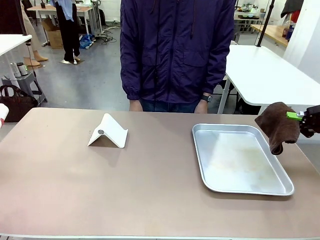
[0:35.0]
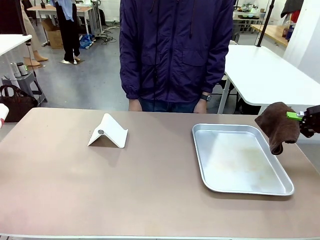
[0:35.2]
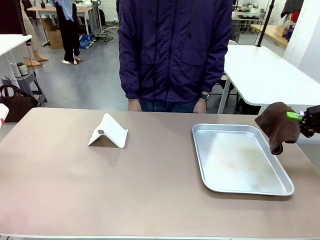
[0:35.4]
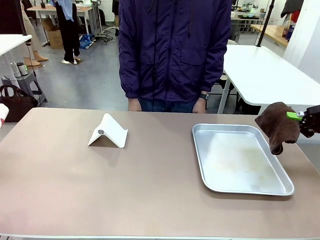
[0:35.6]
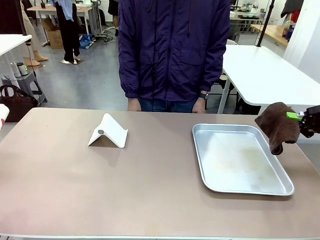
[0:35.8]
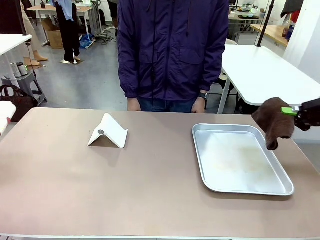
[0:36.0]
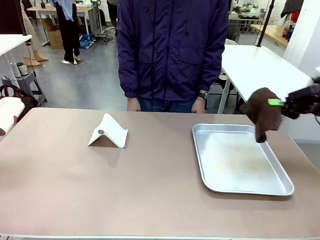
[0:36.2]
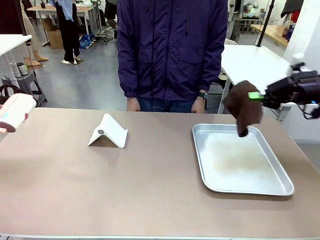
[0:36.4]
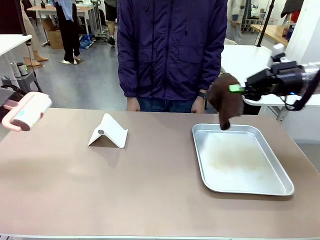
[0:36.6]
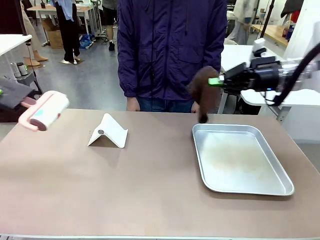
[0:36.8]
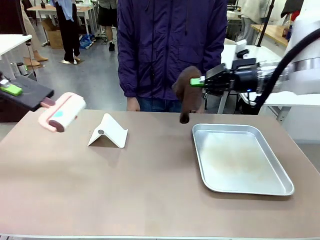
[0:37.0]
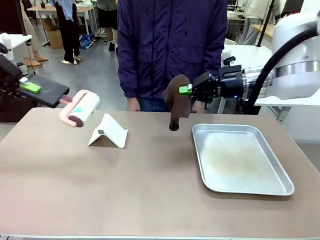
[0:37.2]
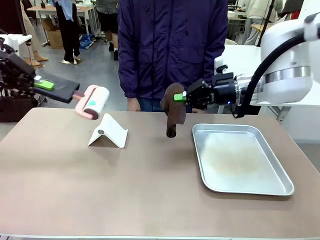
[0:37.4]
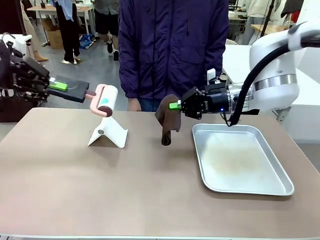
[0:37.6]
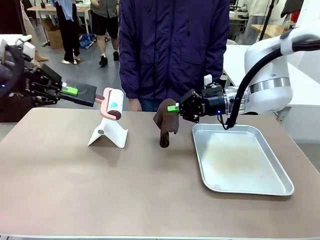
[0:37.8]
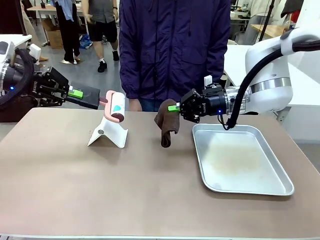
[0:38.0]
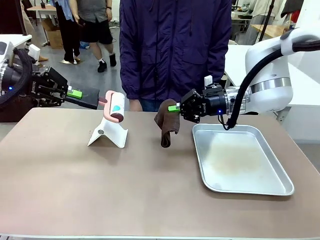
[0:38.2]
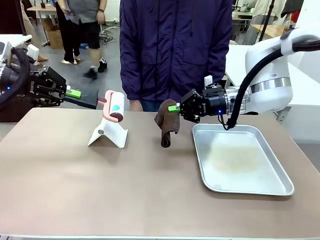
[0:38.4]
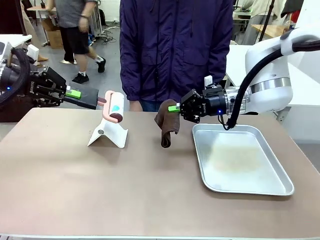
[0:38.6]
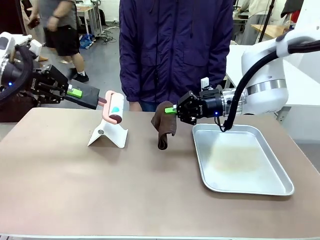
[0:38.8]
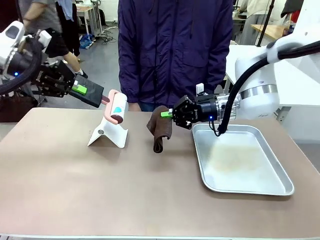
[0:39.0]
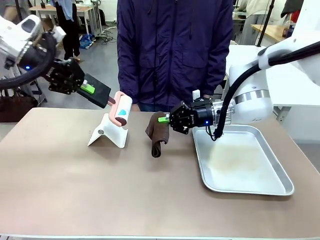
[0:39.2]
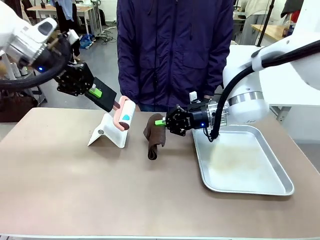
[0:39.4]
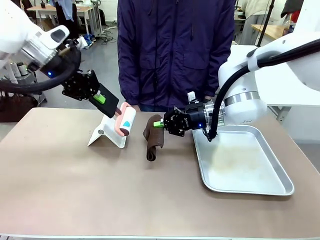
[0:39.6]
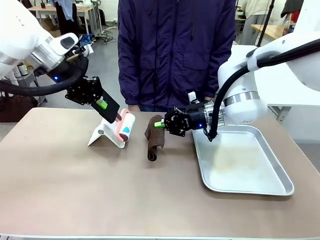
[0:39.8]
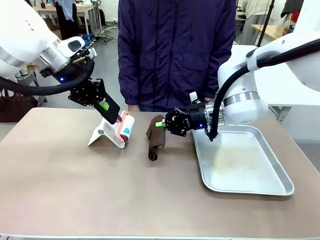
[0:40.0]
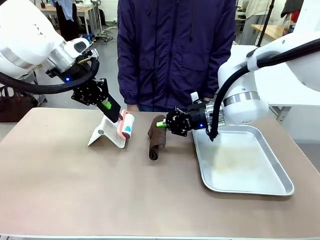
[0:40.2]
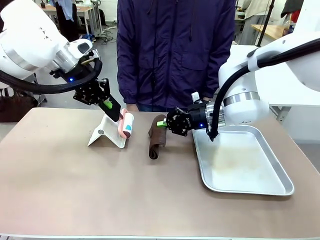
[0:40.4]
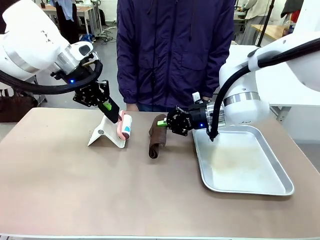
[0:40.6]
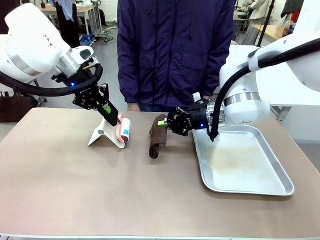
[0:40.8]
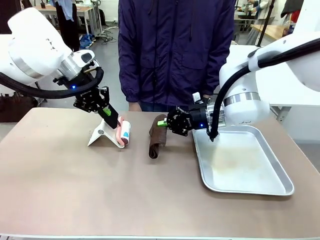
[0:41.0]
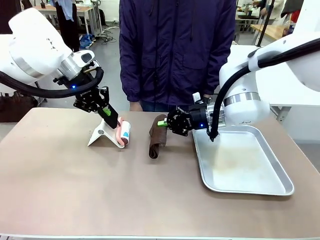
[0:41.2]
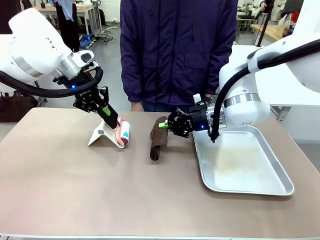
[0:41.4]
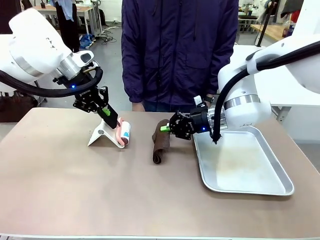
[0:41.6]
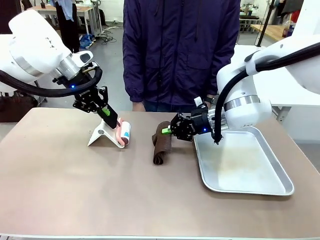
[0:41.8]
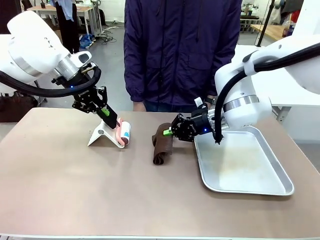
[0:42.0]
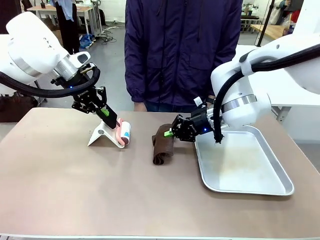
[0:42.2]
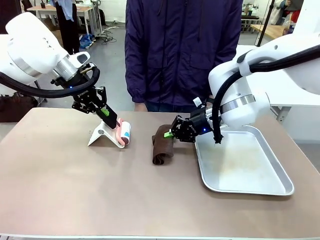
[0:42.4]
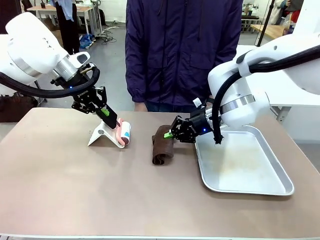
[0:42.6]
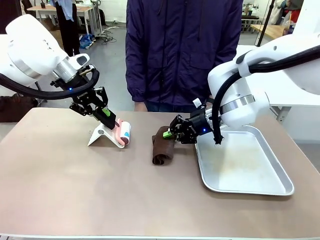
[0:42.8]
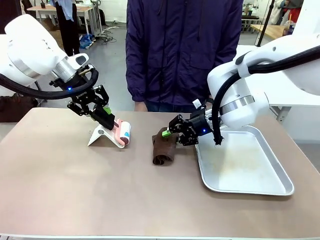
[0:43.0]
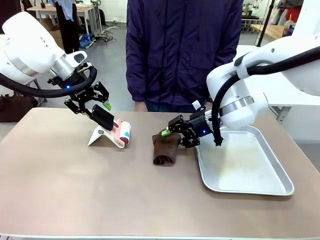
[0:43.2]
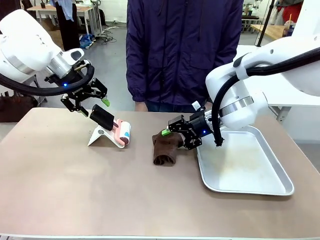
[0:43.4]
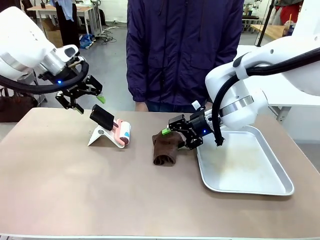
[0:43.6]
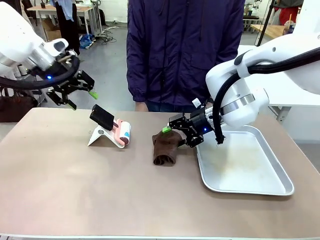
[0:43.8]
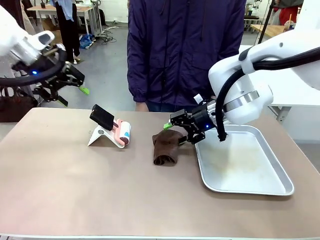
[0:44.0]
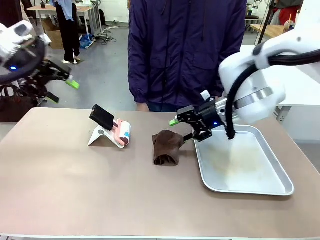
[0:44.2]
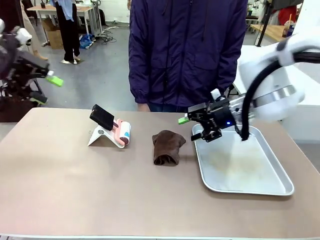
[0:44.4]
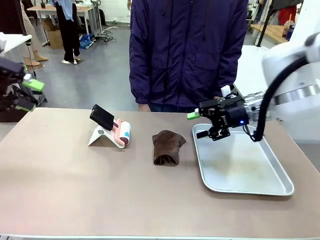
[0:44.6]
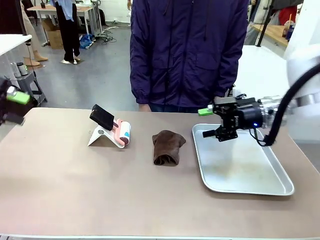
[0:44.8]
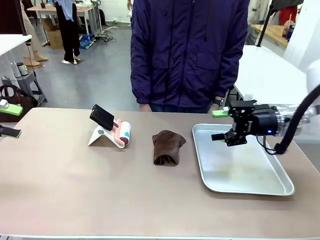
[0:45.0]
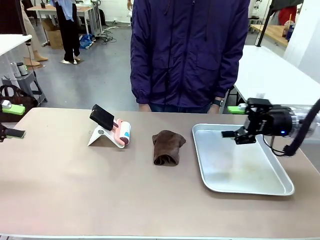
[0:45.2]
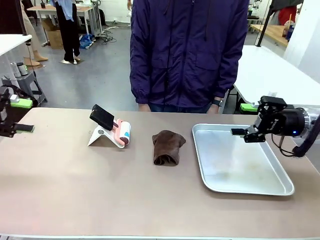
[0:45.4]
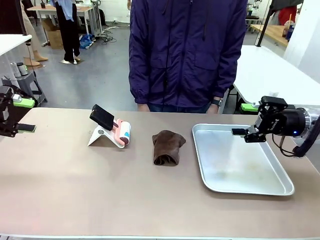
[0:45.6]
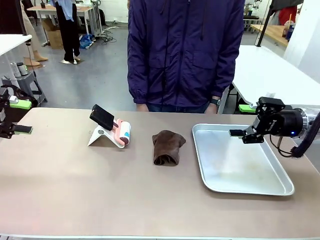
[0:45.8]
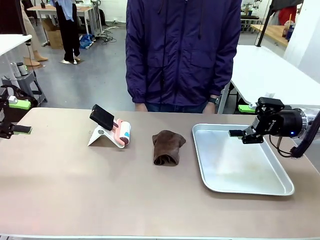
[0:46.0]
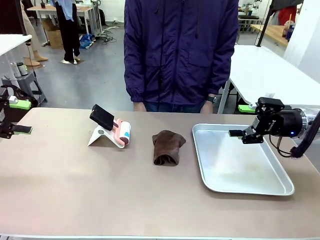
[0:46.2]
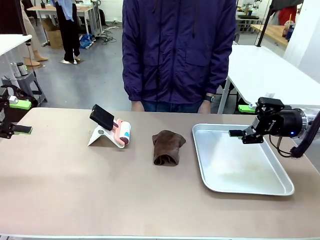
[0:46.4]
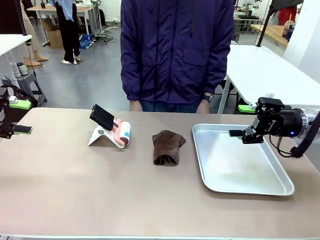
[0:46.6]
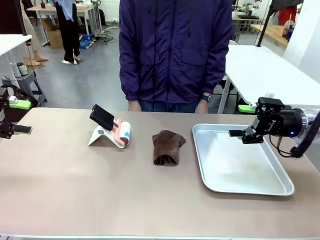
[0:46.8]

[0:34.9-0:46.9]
Task: Clean the surface of the table.
Robot: Return the Lint Roller and towel to their original positions.

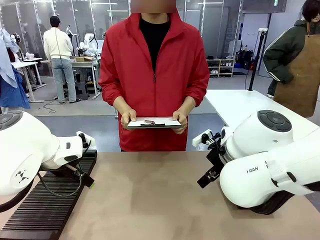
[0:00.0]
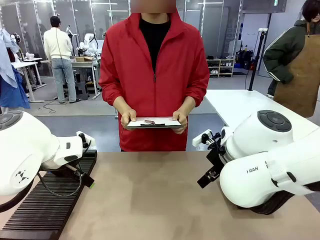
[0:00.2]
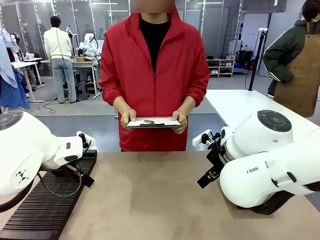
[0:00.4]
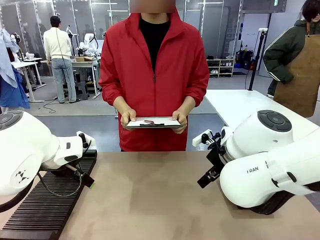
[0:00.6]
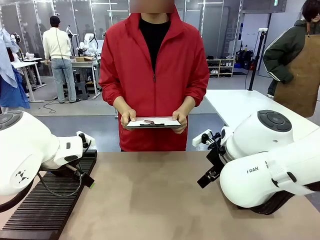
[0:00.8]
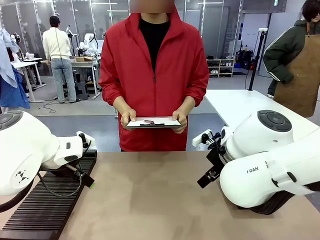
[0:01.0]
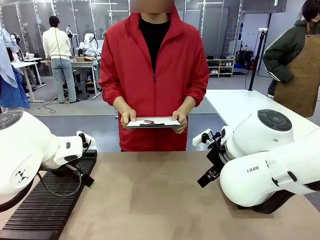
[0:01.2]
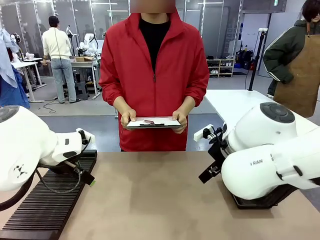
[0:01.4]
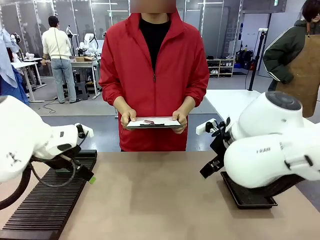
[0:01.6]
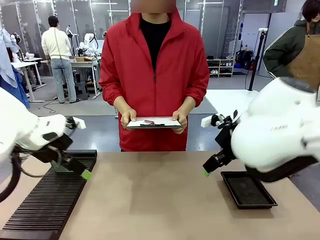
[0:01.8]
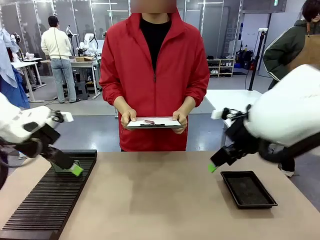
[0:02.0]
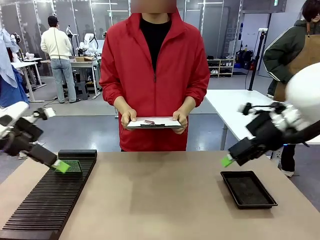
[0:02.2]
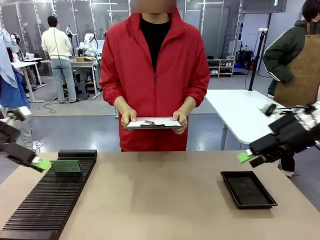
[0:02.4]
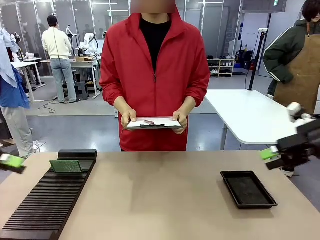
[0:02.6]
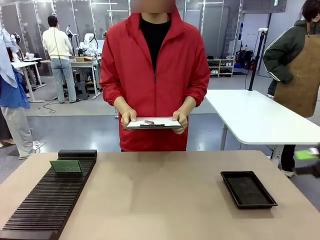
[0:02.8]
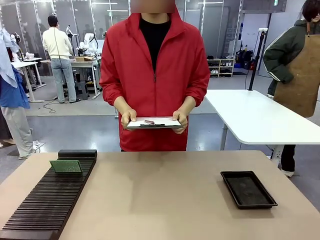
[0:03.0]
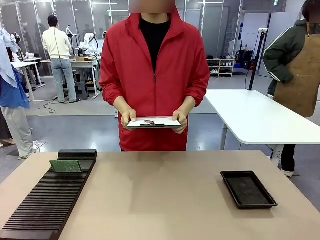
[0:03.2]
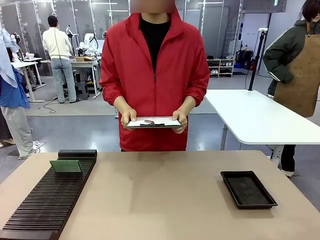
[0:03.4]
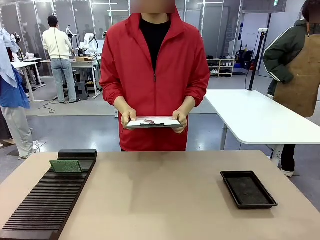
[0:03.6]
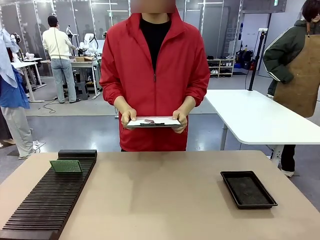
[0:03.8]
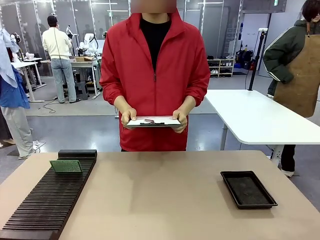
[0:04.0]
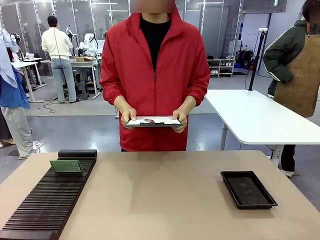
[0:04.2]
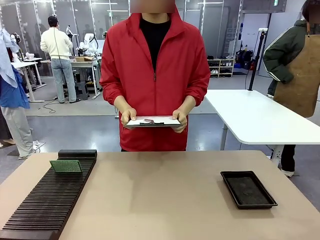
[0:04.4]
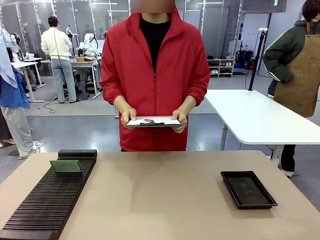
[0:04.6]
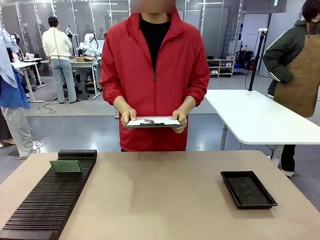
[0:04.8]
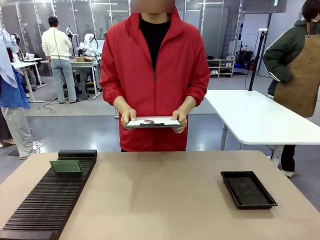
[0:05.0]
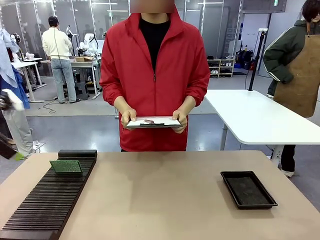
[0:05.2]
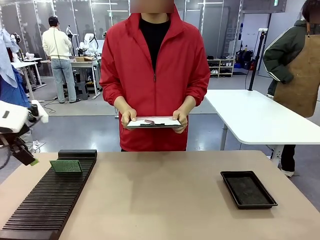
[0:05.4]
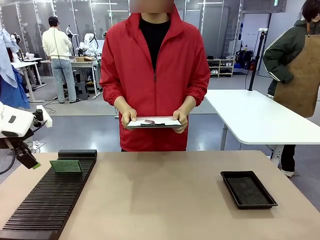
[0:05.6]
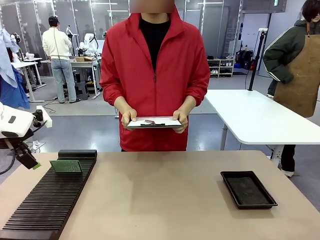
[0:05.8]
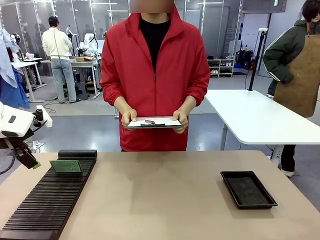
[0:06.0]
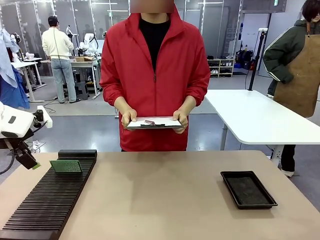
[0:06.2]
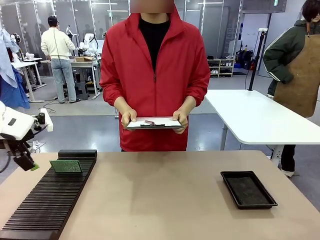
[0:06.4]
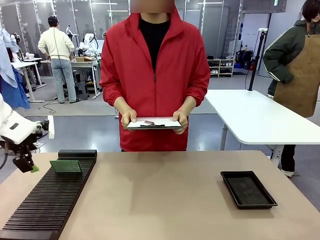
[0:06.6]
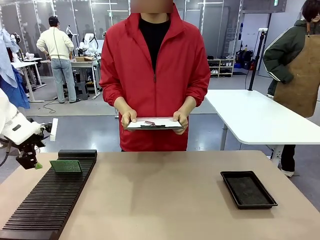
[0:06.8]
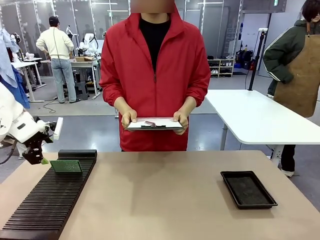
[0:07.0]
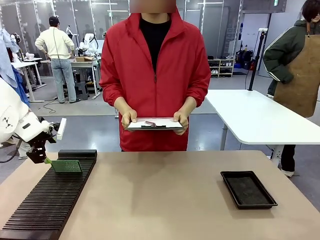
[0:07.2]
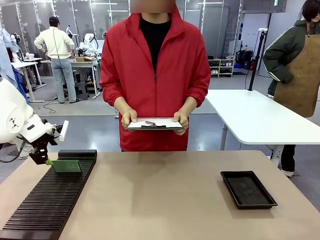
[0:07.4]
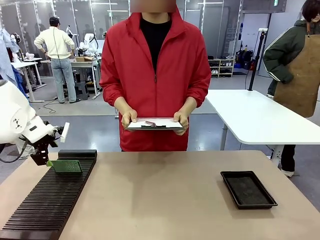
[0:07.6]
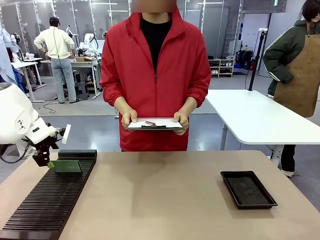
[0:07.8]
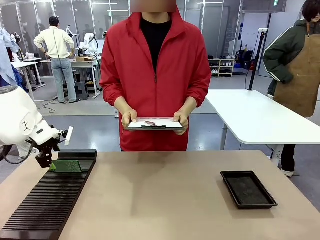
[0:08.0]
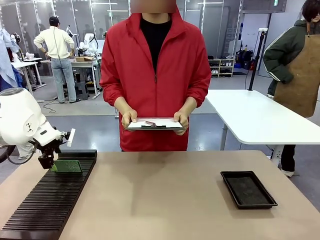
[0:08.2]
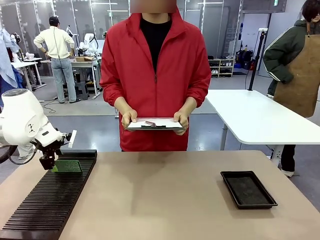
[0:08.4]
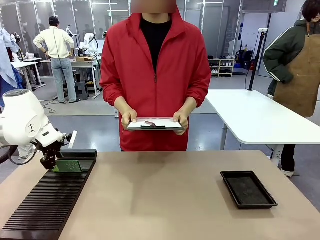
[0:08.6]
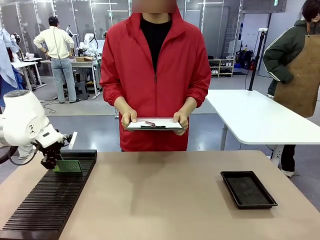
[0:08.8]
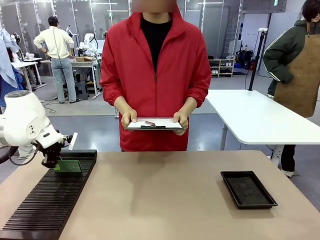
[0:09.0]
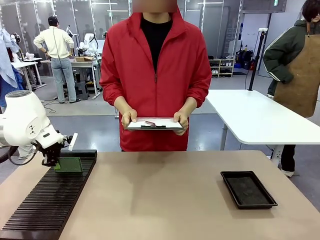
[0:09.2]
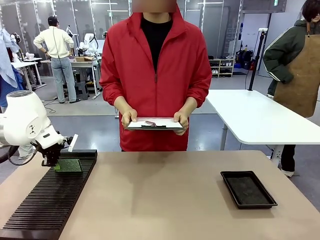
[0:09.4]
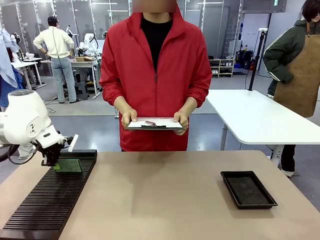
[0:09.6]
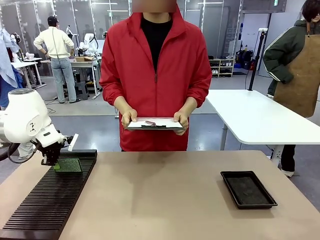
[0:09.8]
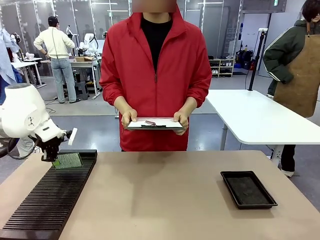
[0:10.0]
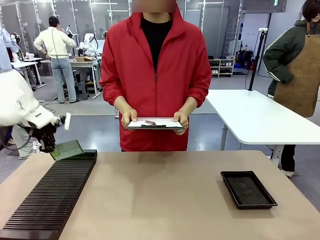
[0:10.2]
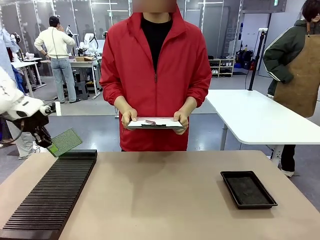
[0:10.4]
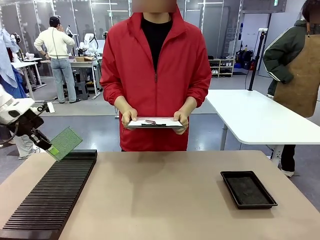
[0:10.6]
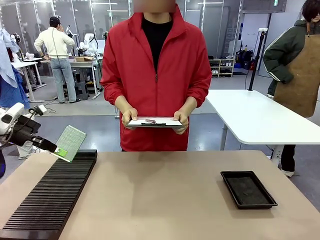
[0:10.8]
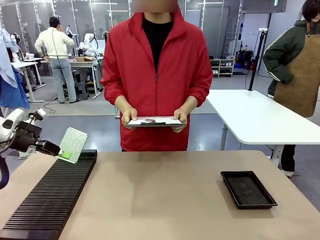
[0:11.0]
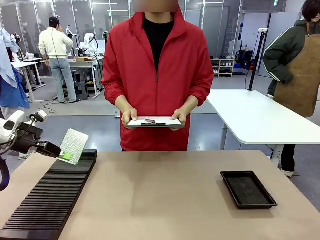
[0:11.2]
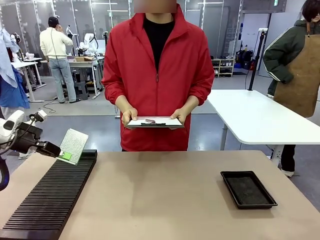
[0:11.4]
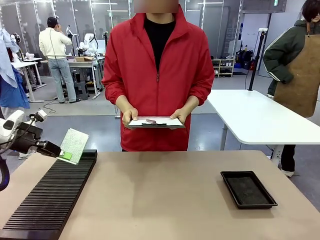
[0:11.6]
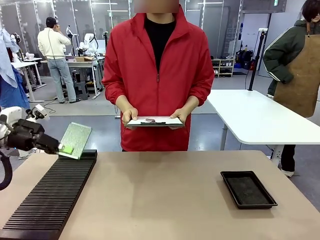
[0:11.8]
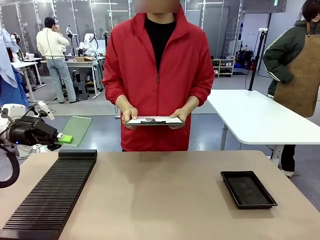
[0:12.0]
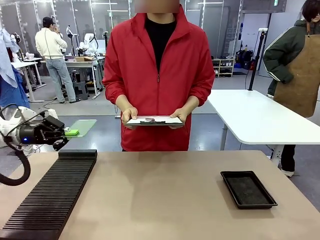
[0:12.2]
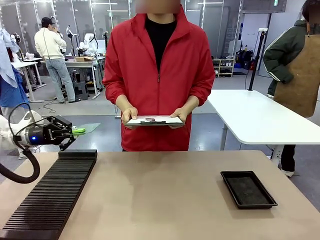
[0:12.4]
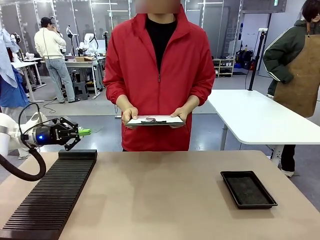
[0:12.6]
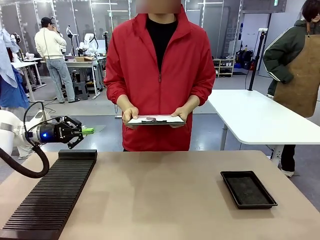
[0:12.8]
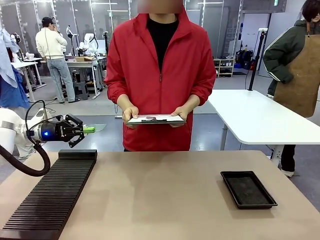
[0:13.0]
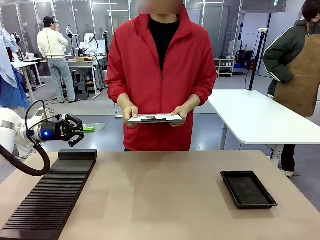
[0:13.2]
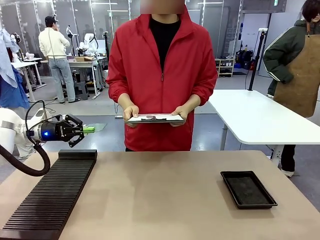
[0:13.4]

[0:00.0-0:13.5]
Task: Inspect the PCB.
Robot: Pick up the Blank PCB and present it to the human.
Person: Pick up the PCB presented by the robot.
